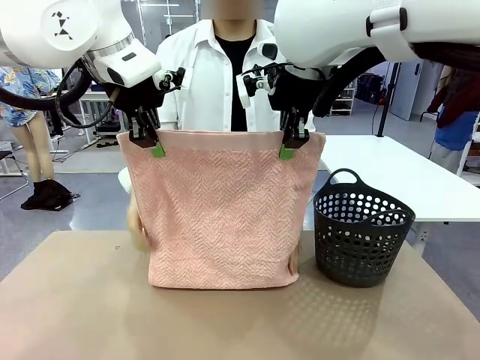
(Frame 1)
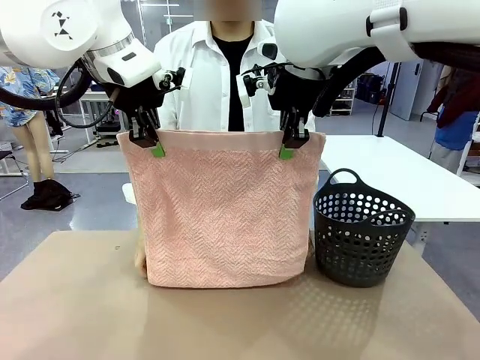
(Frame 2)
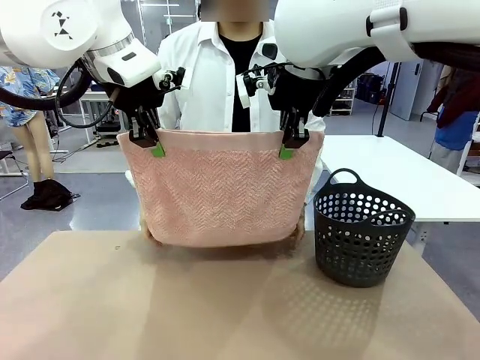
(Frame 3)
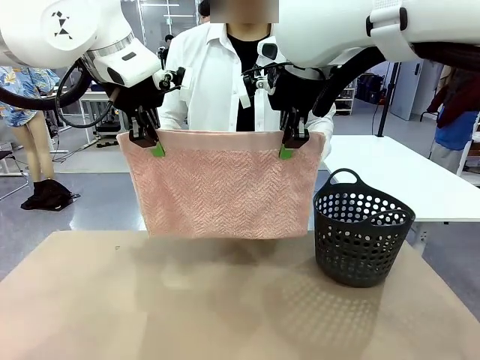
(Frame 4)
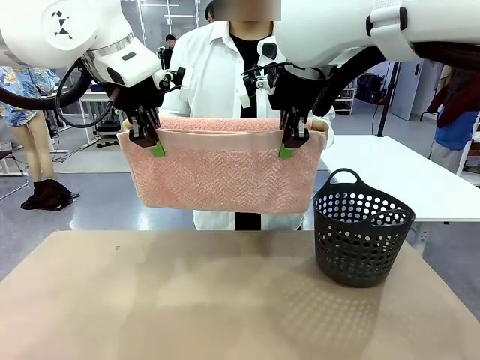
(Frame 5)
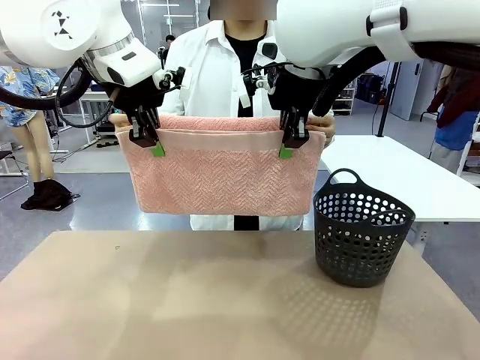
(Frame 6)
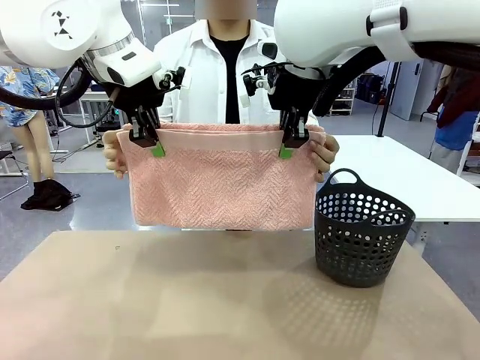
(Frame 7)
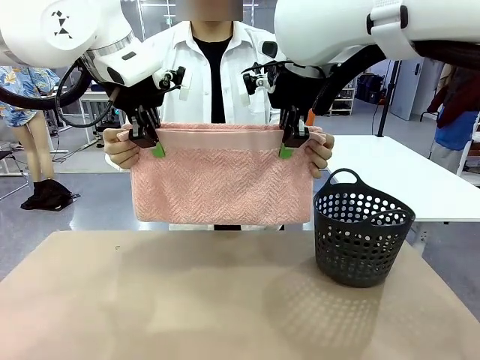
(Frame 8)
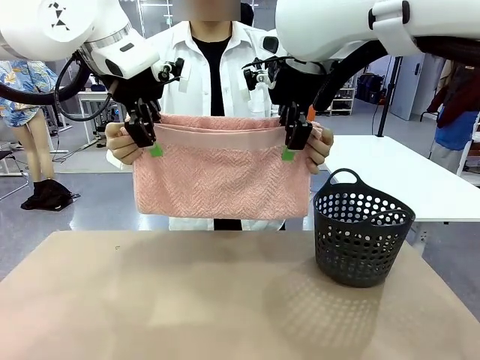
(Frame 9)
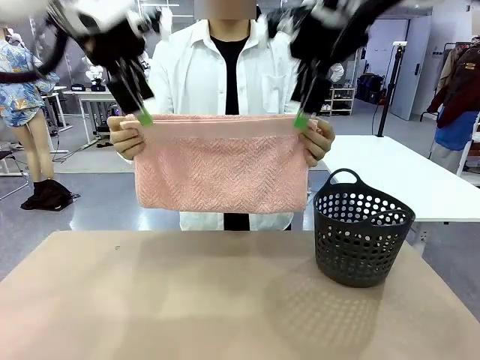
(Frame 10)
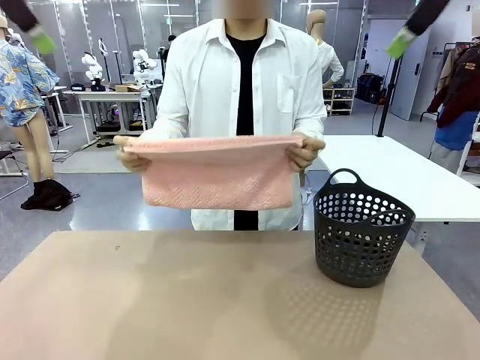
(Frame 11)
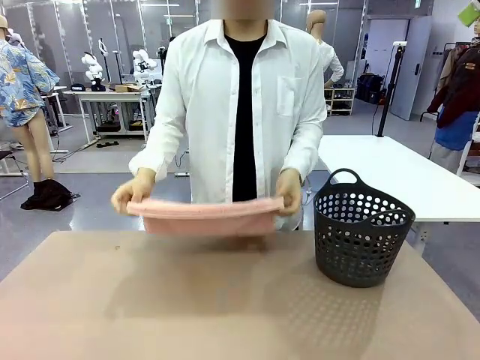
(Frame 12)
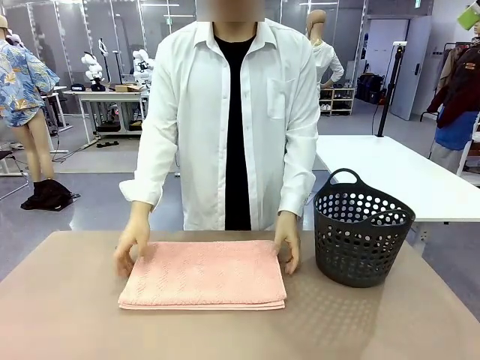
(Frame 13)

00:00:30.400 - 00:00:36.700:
Task: Fold the towel.
Robot: Release the end of the 100 cm Hotel Towel you were holding.

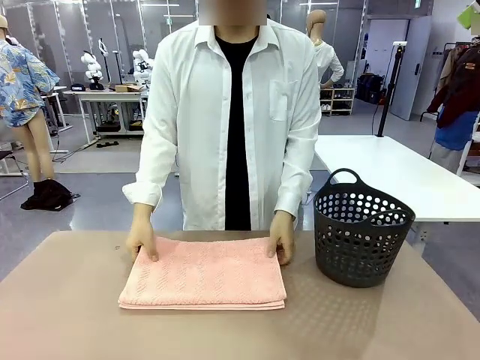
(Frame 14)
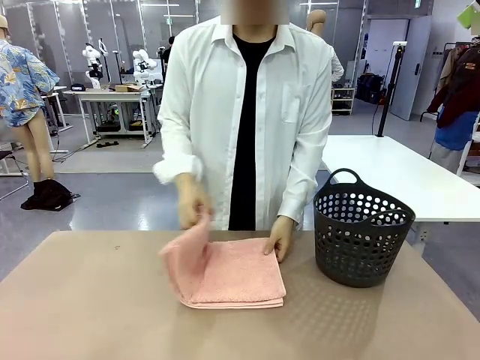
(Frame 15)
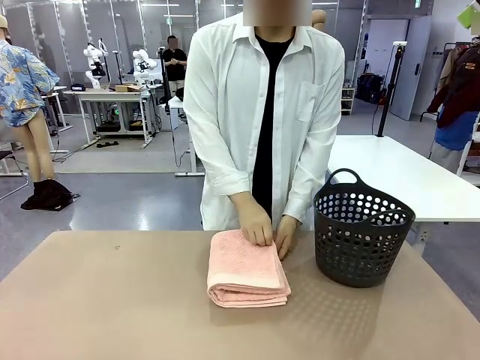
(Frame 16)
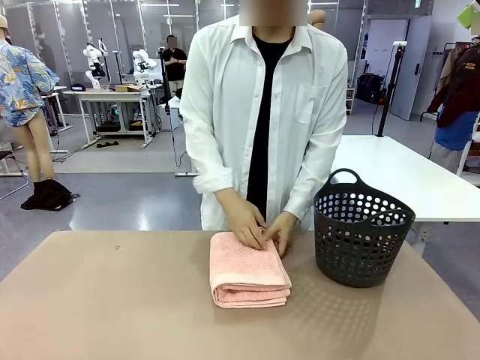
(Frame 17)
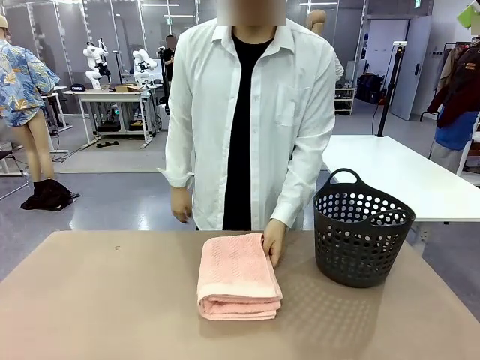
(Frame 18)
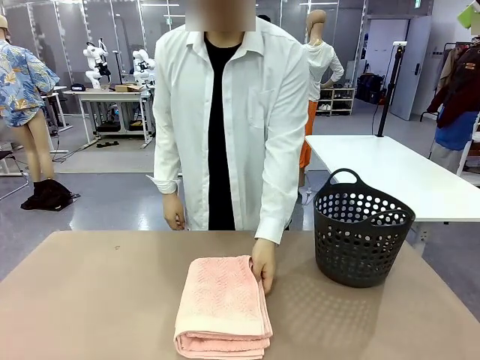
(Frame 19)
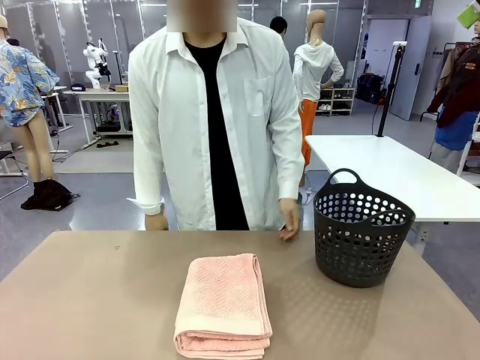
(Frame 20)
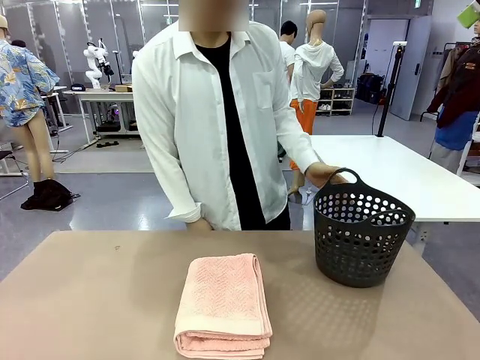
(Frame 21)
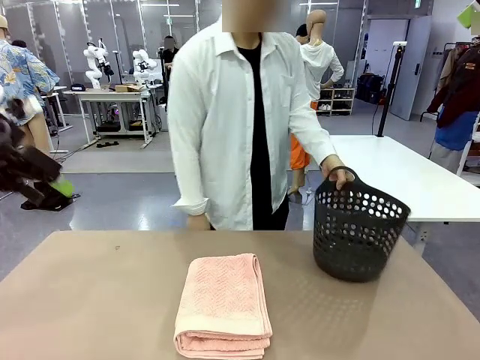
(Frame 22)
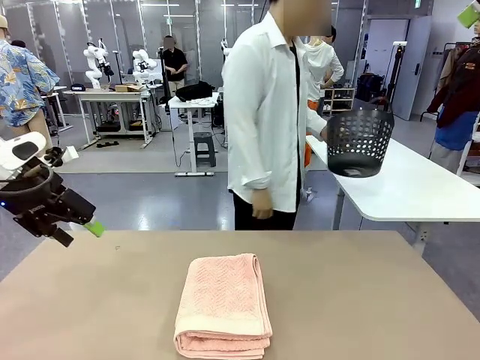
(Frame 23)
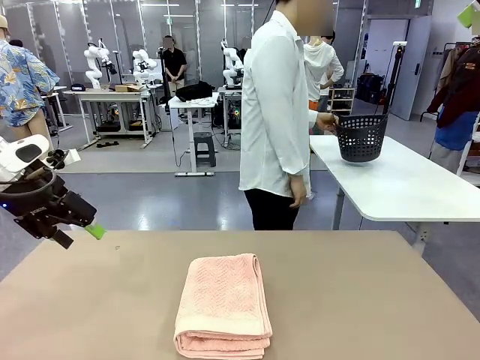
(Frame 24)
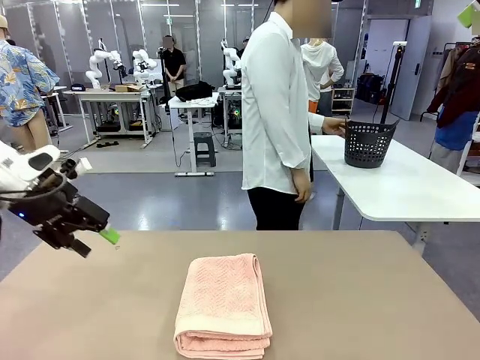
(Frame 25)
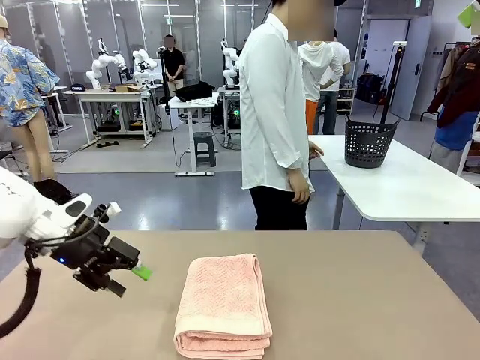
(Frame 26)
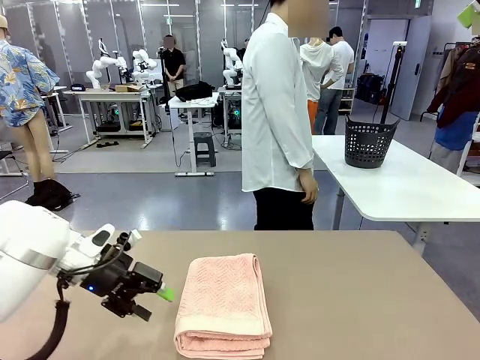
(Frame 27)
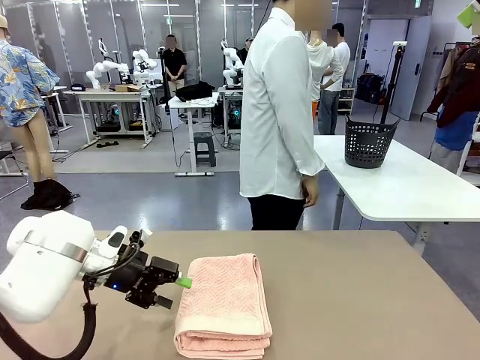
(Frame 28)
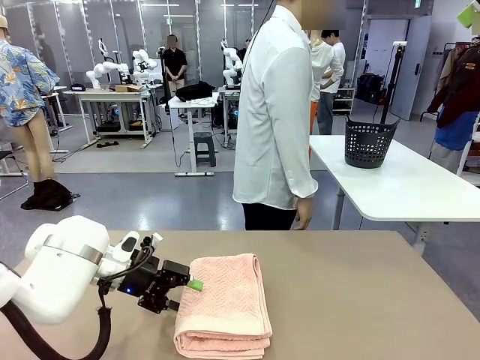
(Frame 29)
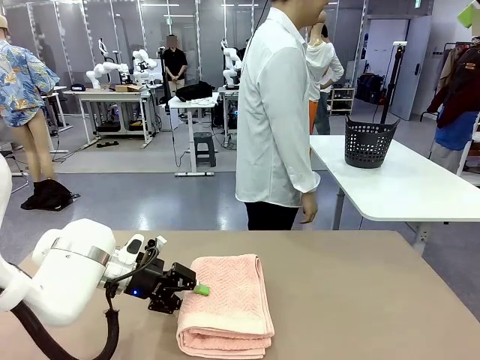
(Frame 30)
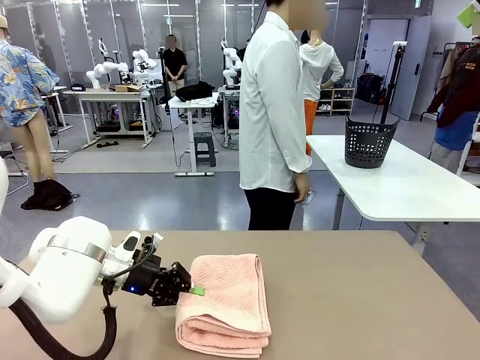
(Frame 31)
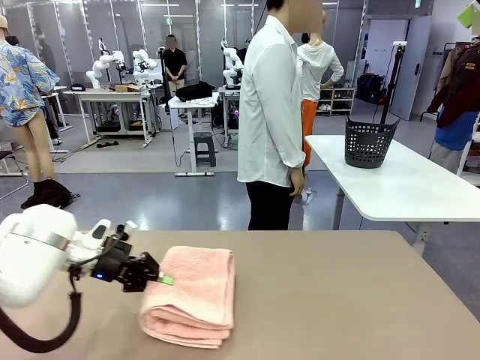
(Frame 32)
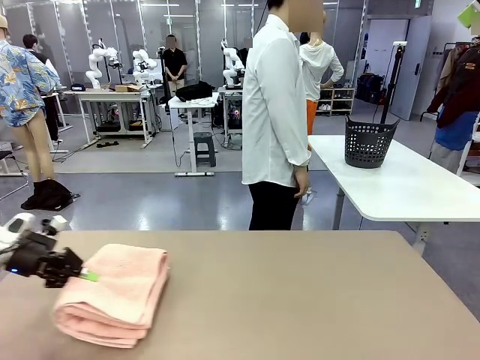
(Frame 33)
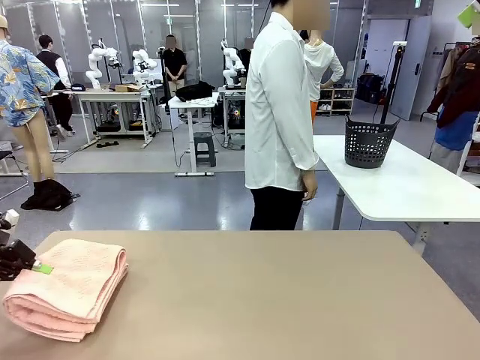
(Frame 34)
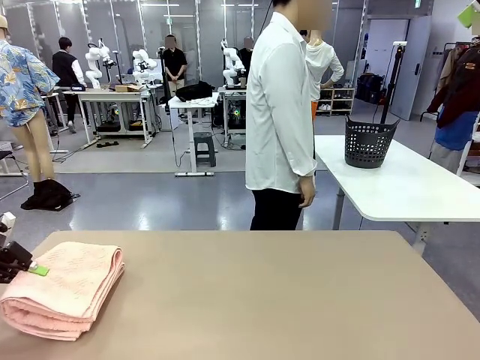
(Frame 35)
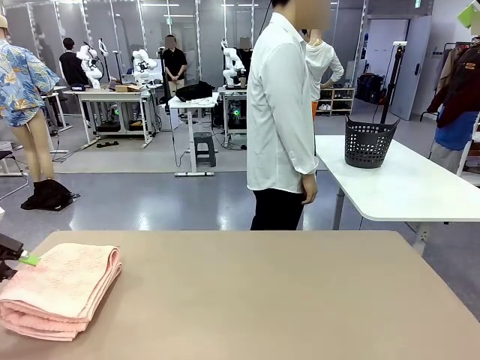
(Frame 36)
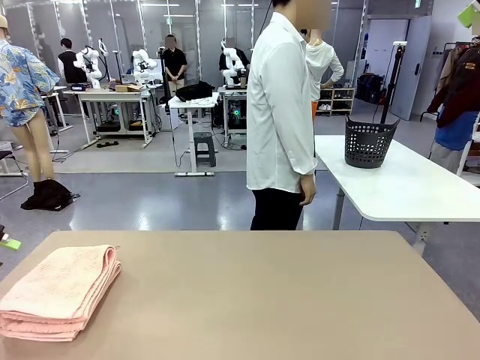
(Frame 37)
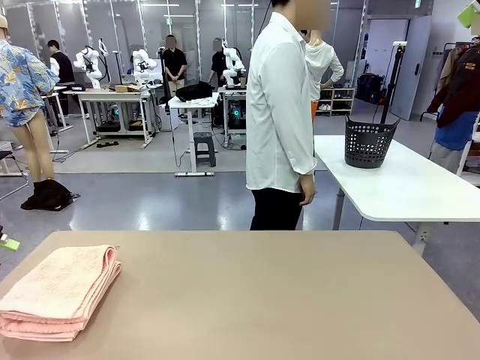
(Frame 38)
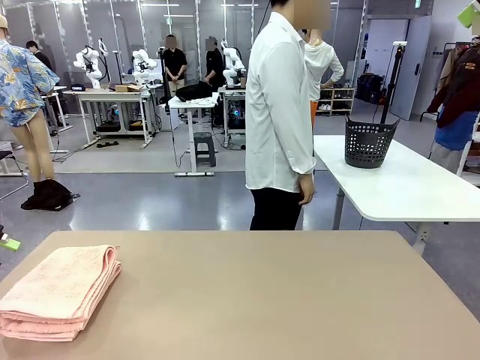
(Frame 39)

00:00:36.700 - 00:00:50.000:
Robot: Pick up the 100 cm Hotel Towel and place it on the left side of the table.
Person: Place the towel at the center of the robot table and fold it in half. Pick up the laundry basket and place it at the center of the human table.

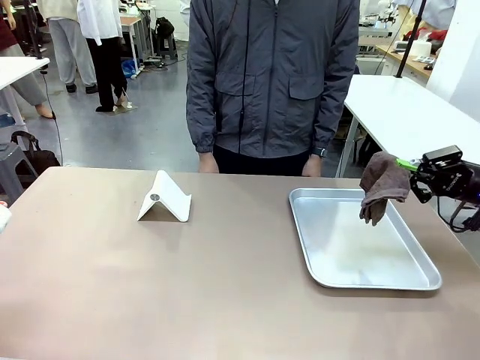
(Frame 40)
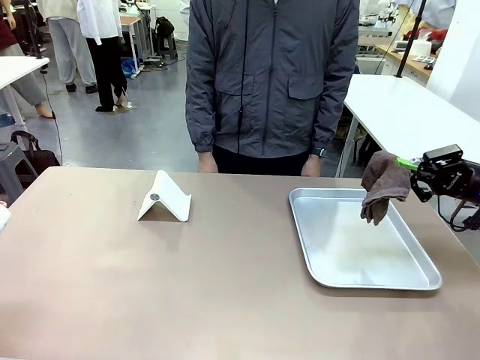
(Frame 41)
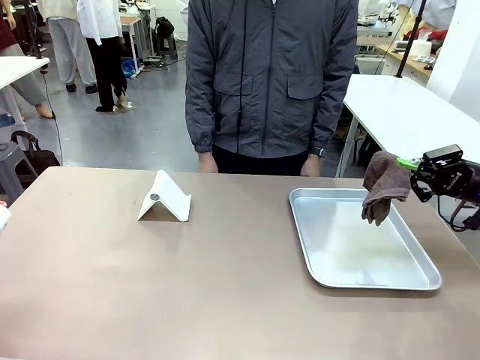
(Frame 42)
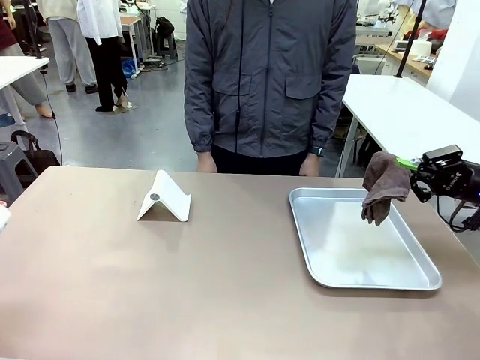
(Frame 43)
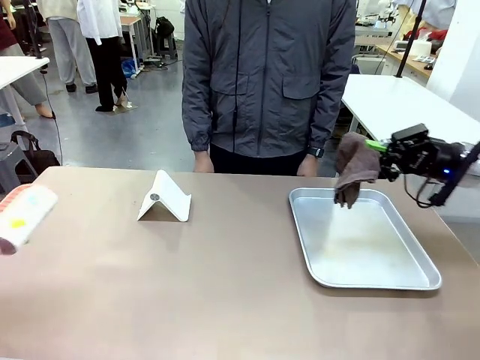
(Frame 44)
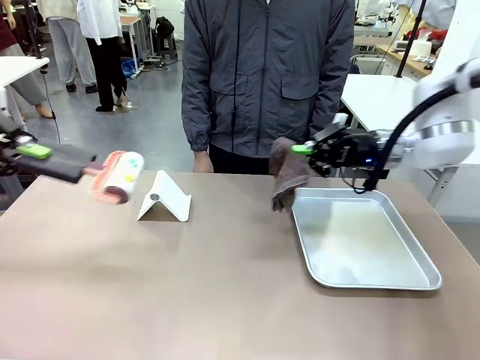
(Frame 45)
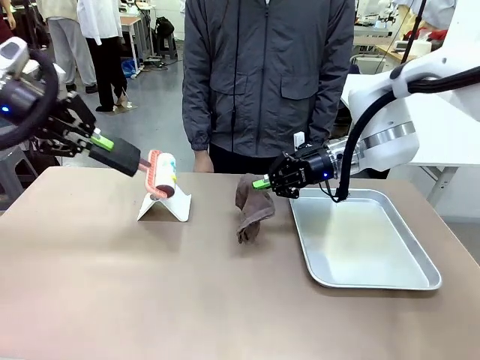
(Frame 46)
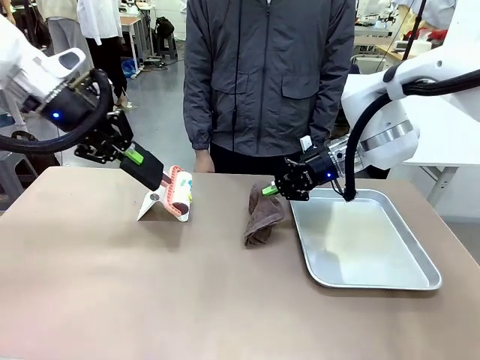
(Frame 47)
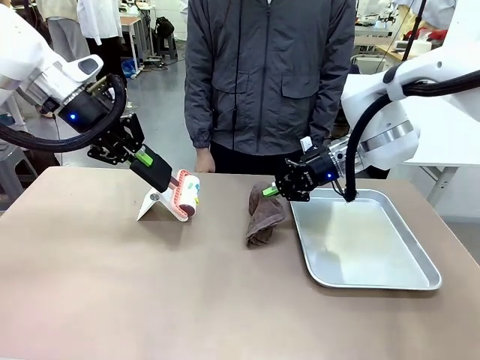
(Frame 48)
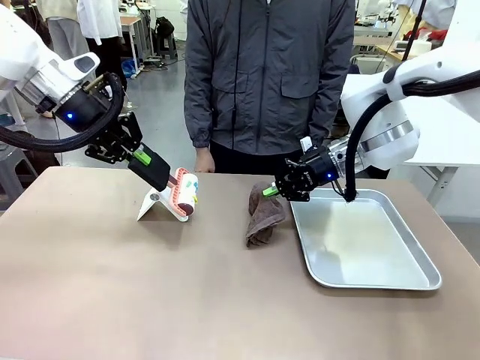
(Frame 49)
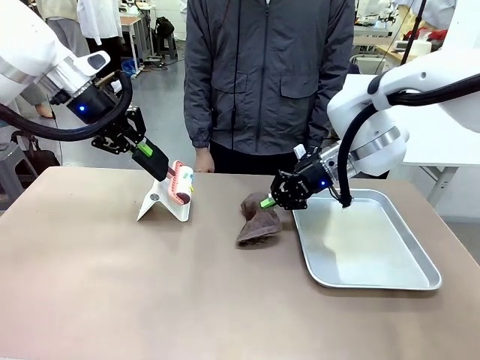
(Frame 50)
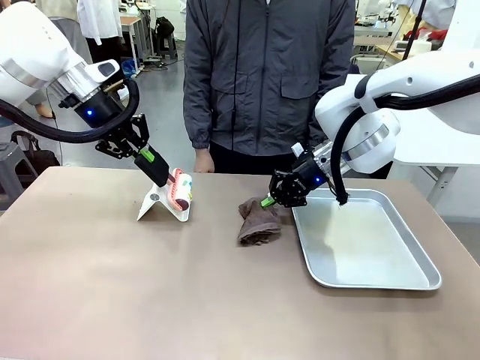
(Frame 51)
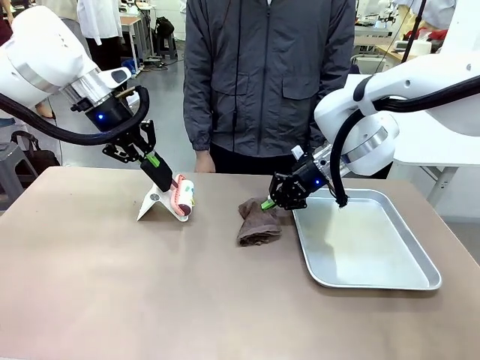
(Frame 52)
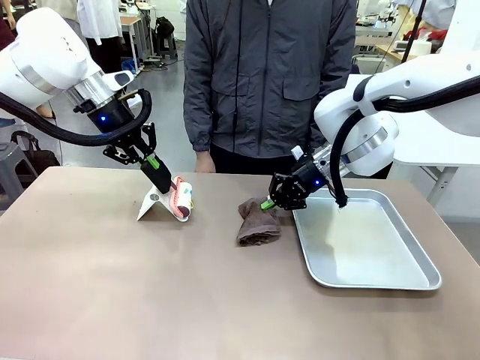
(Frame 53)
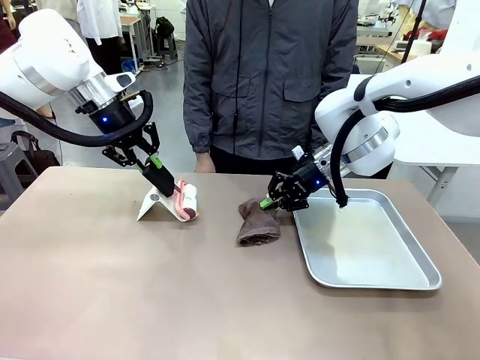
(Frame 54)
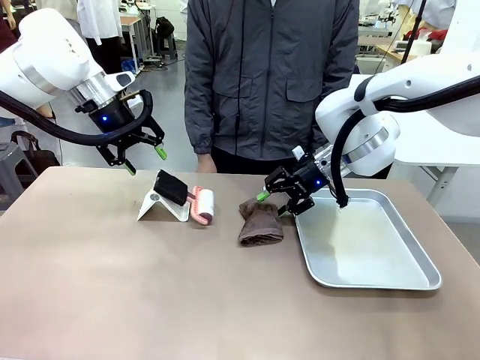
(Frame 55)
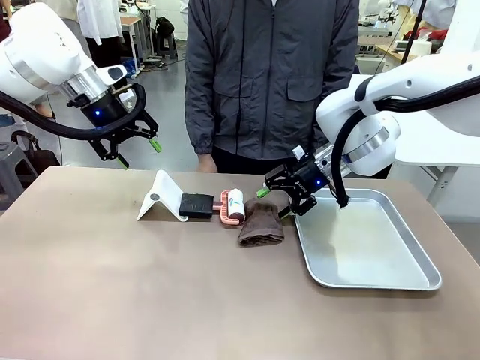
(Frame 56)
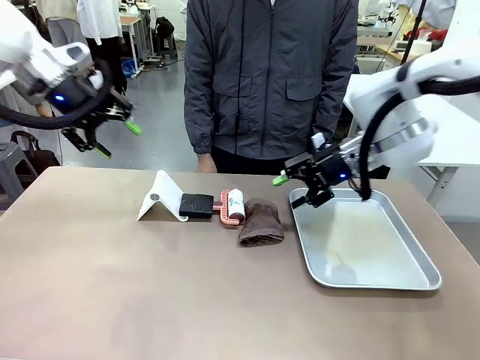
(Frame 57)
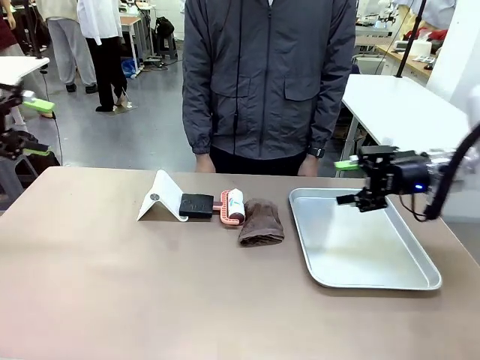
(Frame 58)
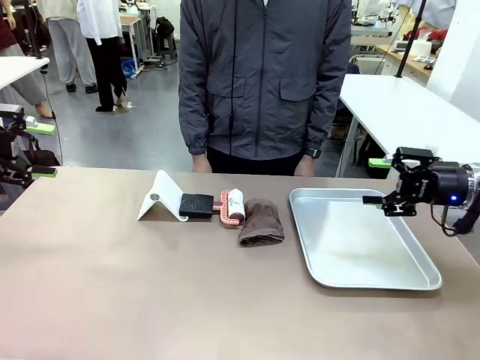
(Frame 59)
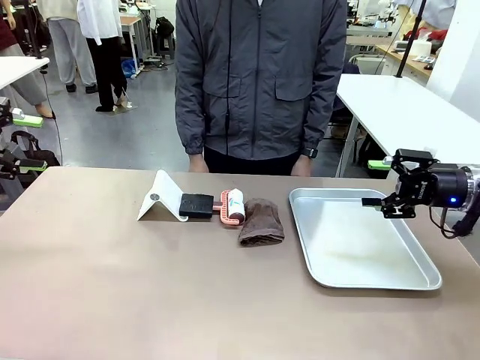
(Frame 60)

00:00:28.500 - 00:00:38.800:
Task: Clean the surface of the table.
Robot: Return the Lint Roller and towel to their original positions.
